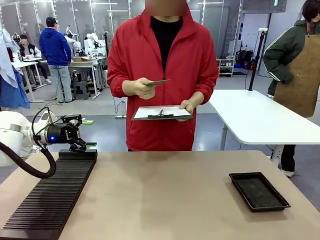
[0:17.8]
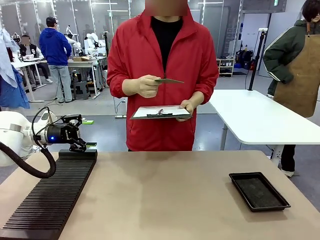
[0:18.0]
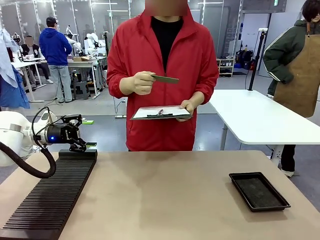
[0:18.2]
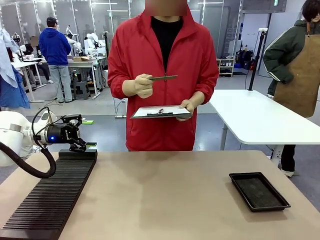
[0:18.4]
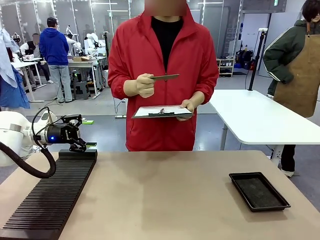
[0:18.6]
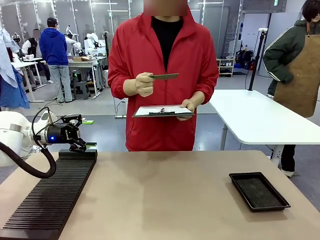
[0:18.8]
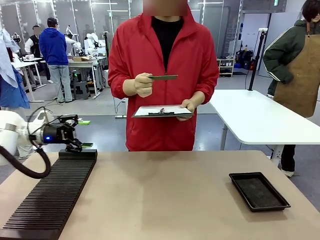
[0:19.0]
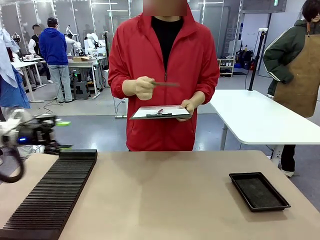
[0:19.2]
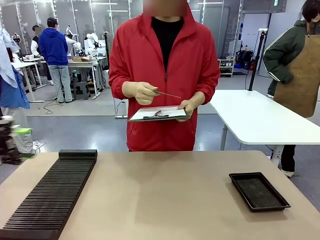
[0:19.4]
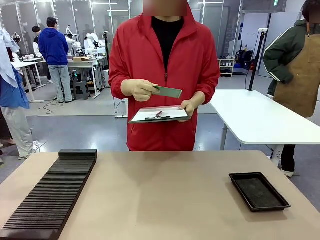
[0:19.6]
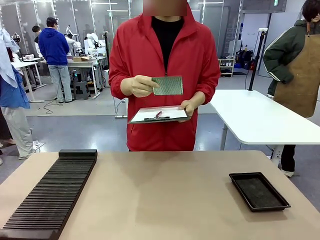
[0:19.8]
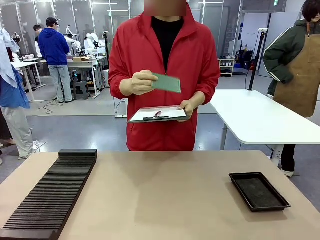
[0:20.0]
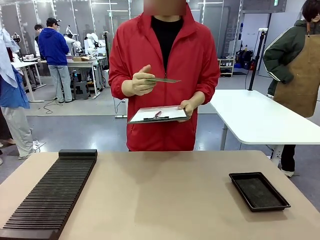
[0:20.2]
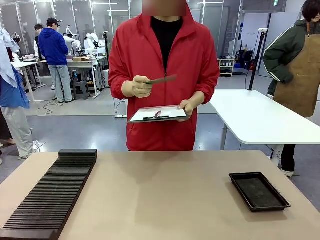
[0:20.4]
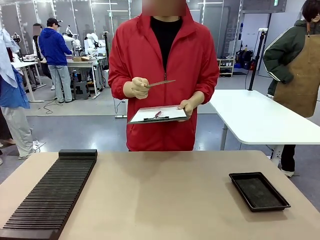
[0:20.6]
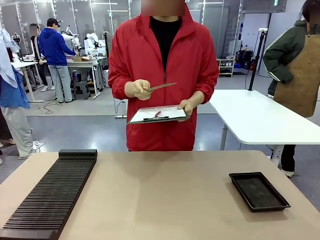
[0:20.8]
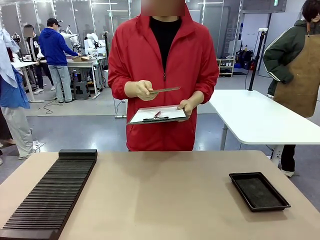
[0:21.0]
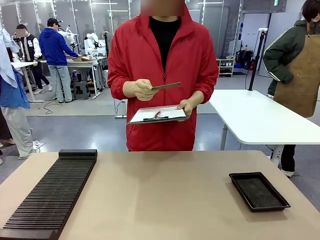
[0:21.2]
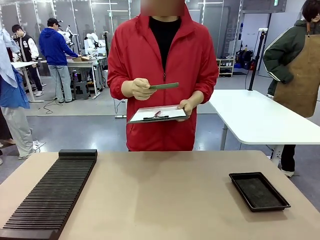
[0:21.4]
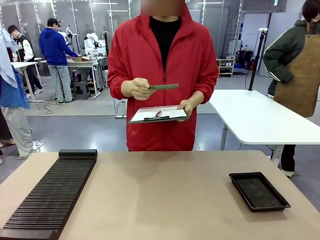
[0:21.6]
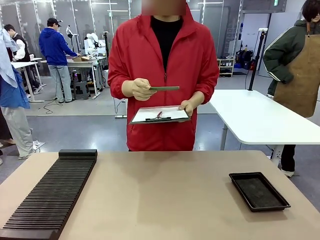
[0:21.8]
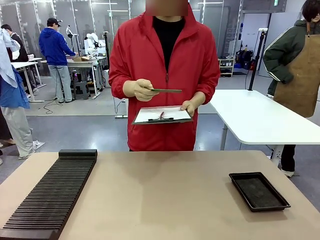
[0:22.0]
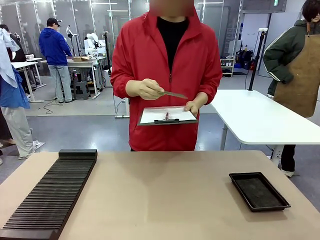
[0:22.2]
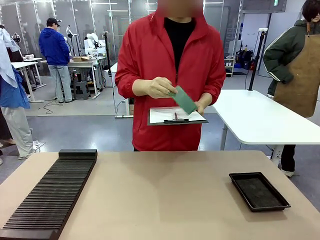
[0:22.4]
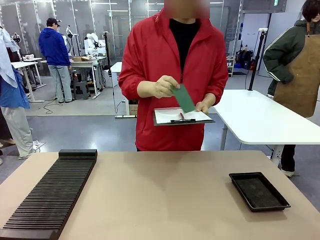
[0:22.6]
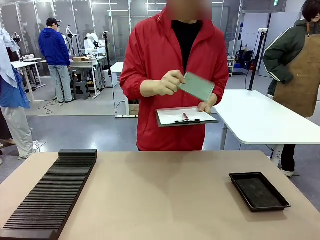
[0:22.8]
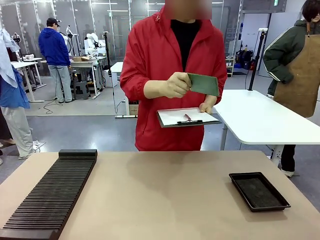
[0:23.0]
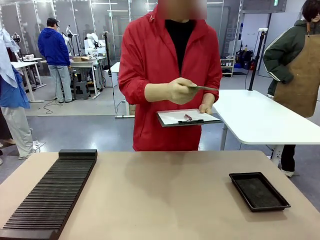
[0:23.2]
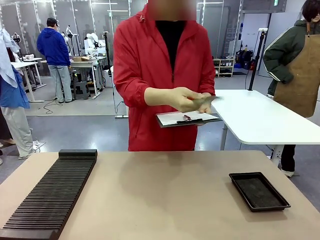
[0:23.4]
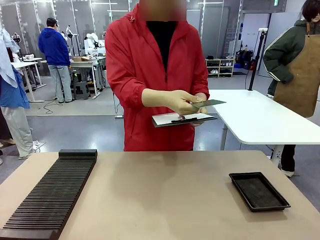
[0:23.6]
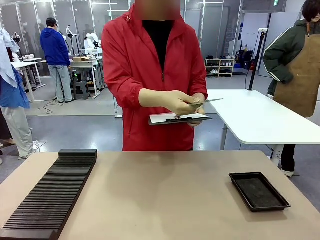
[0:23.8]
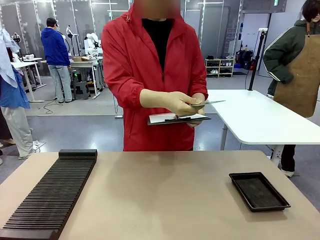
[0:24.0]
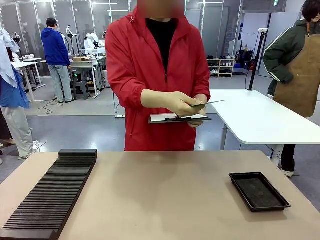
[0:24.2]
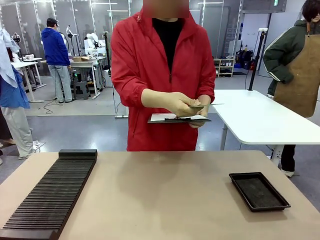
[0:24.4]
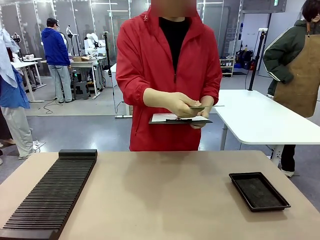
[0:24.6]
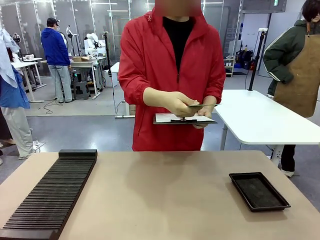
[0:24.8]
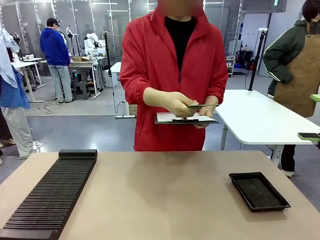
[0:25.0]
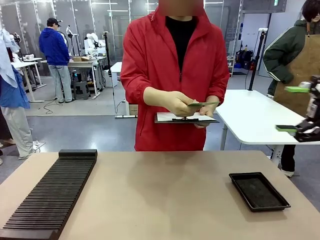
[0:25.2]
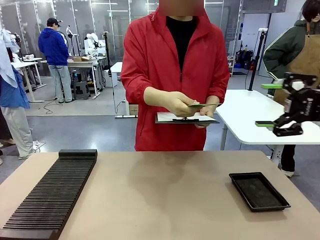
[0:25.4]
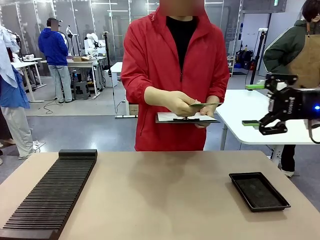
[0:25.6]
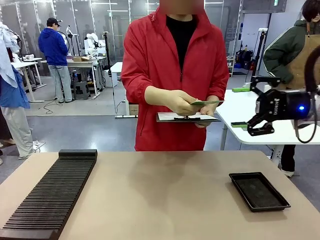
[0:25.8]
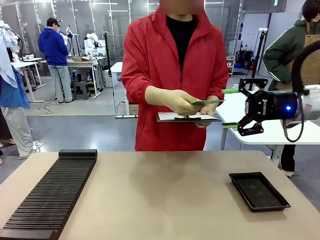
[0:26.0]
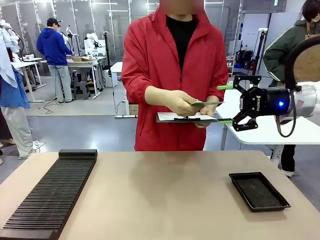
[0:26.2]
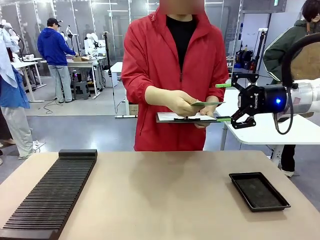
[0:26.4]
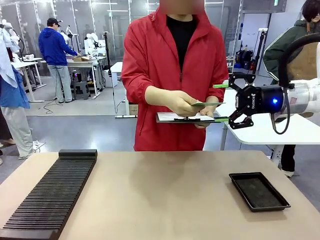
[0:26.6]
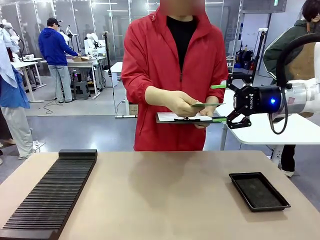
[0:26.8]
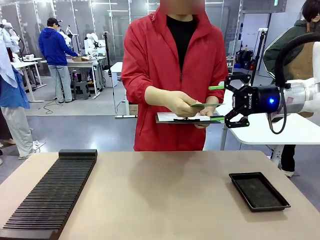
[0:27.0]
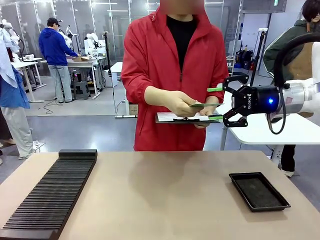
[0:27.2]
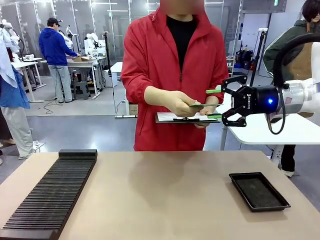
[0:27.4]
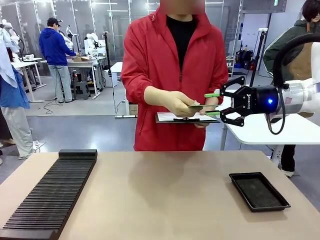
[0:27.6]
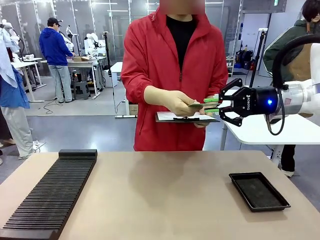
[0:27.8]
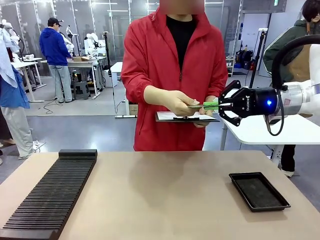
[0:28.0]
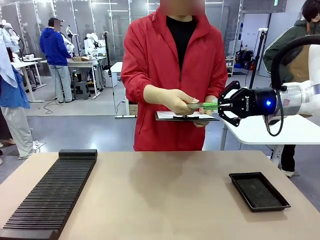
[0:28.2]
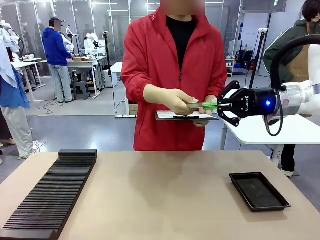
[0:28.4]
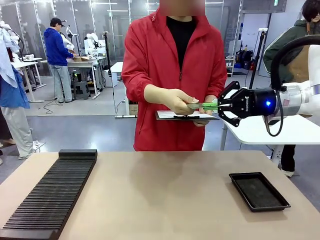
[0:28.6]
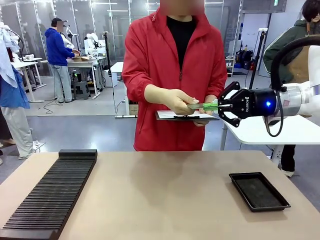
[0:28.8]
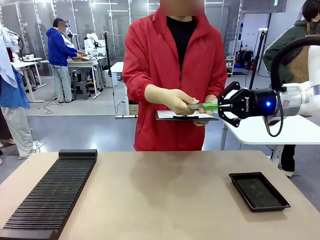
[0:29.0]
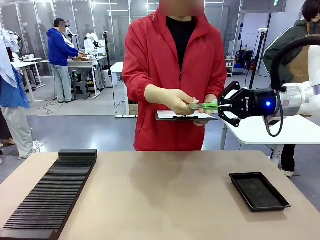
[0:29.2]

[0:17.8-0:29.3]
Task: Inspect the PCB.
Robot: Pick up the Blank PCB that the human is holding.
Person: Inspect the PCB placed by the robot, then hold it out in front of the robot. Release the PCB you were holding.

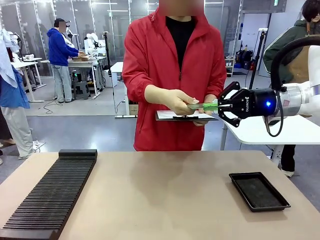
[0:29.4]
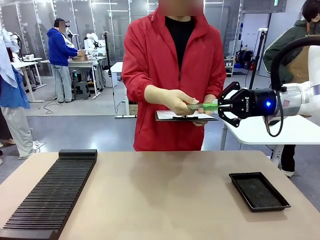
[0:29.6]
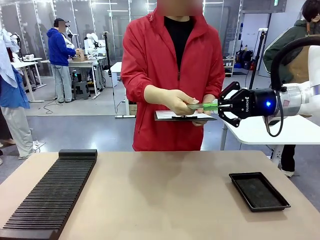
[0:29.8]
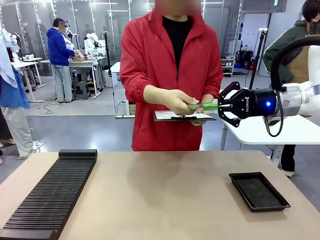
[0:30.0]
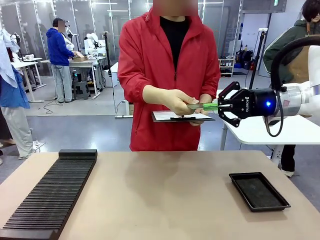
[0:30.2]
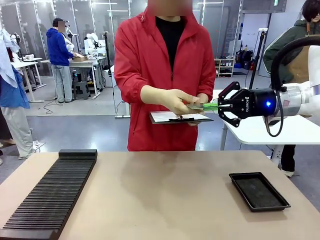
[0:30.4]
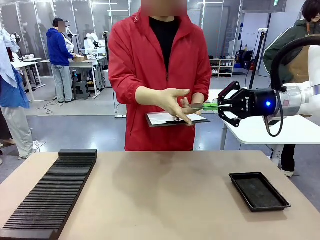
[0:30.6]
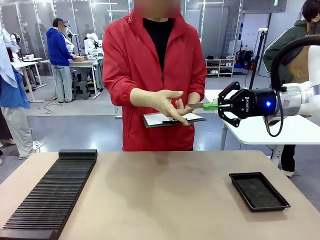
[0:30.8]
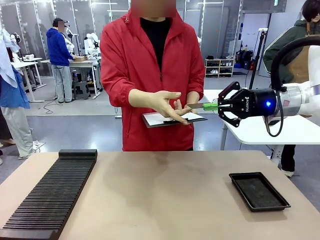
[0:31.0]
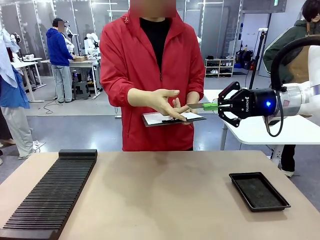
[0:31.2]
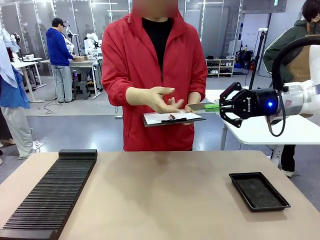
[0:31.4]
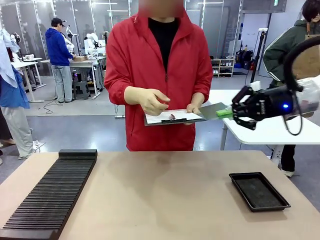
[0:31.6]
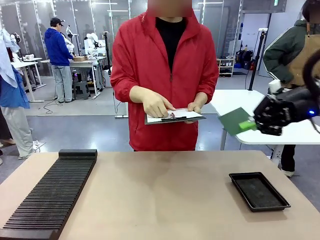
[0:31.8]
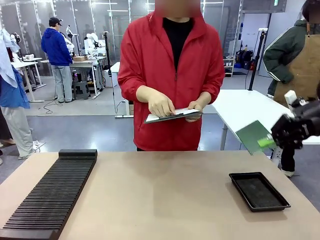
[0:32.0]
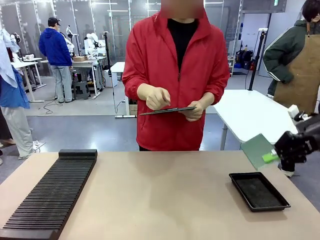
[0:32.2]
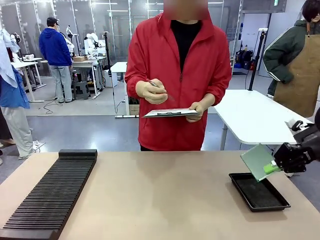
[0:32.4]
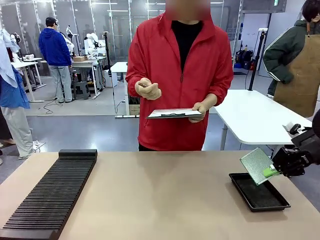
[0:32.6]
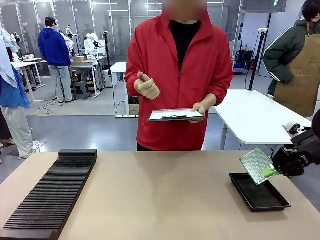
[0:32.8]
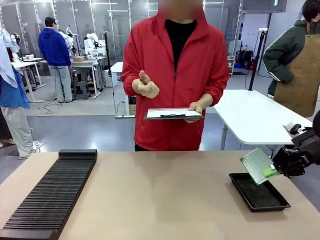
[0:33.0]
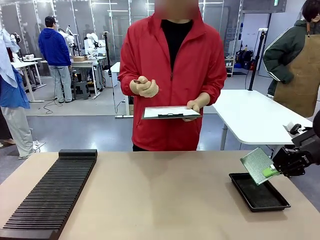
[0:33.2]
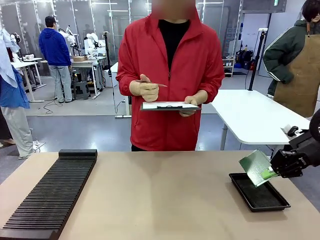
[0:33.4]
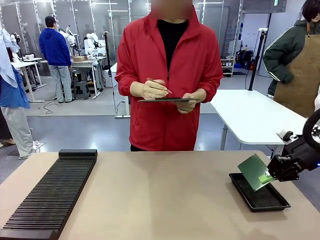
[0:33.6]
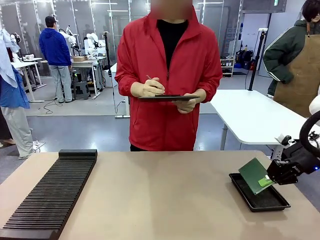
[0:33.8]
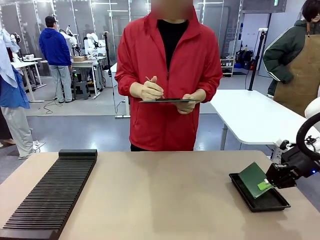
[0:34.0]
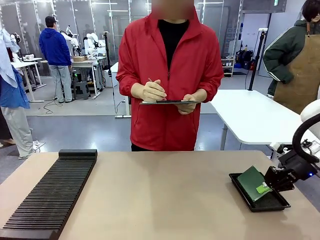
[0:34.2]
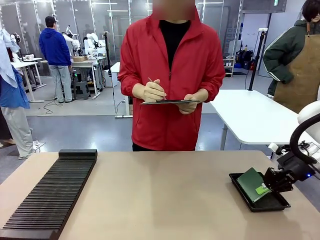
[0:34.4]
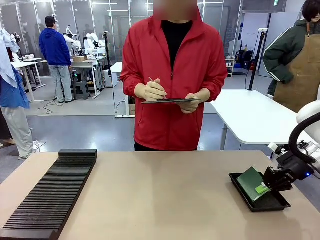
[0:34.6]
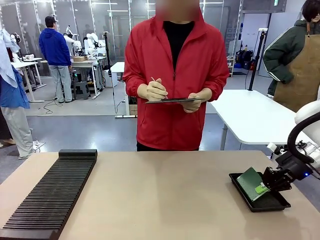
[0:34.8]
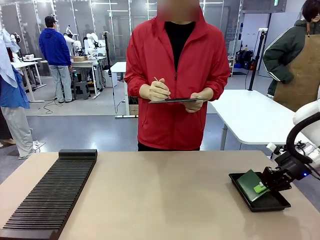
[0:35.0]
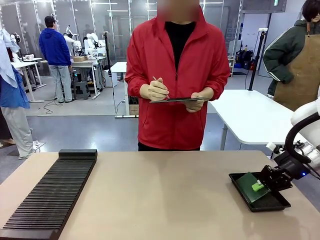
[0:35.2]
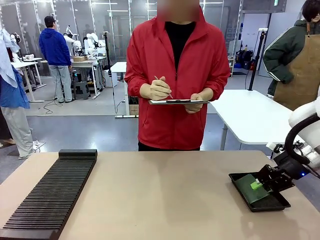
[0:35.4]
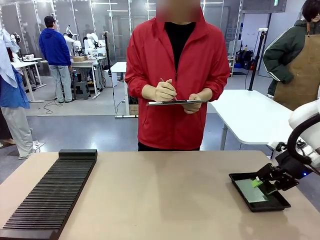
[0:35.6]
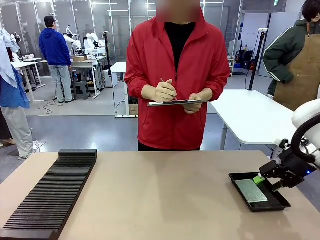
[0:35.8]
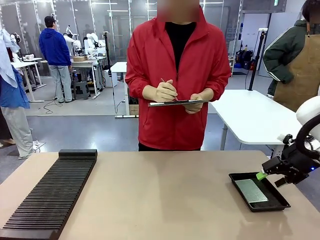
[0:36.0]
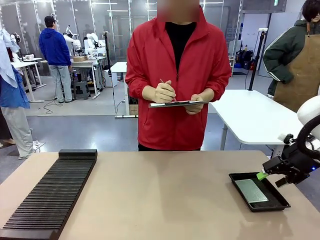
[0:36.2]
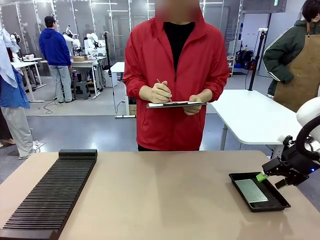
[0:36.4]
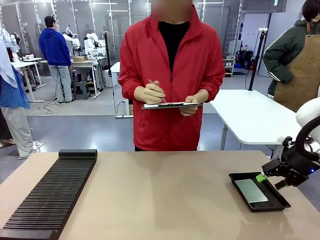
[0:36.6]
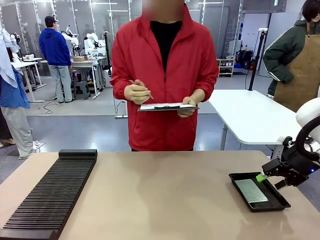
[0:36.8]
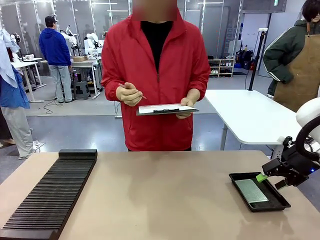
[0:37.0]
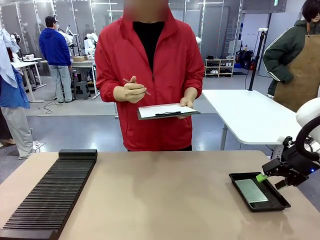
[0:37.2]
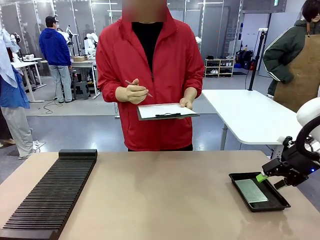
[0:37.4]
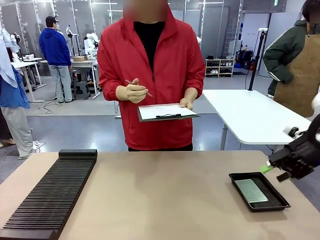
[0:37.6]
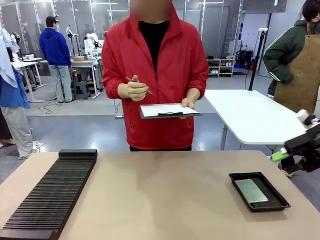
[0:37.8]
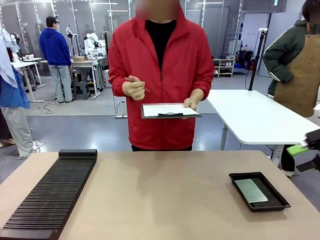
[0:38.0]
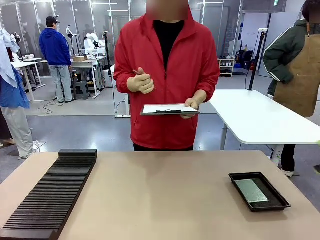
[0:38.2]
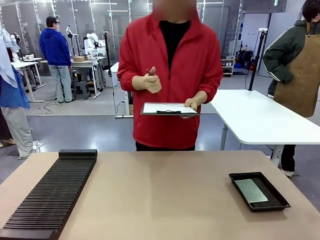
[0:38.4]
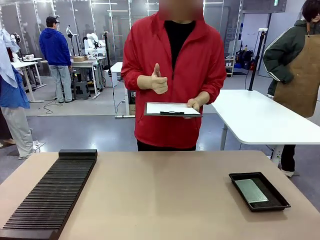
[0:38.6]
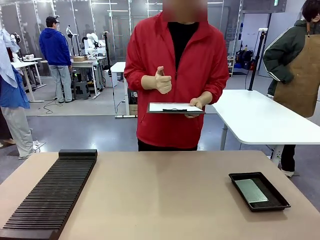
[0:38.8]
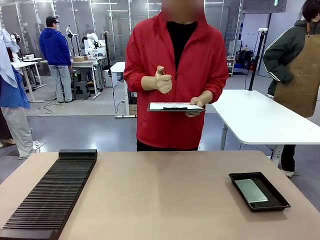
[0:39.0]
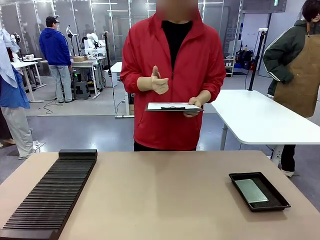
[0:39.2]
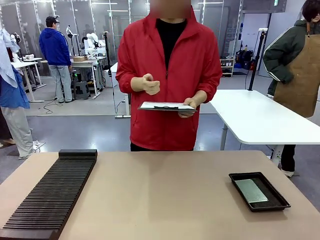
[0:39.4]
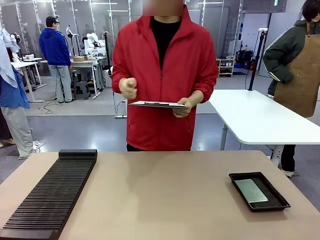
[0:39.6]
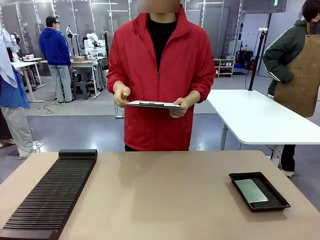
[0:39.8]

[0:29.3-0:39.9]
Robot: Place the Blank PCB in the ESD tray.
Person: Record the PCB status on the paper.
